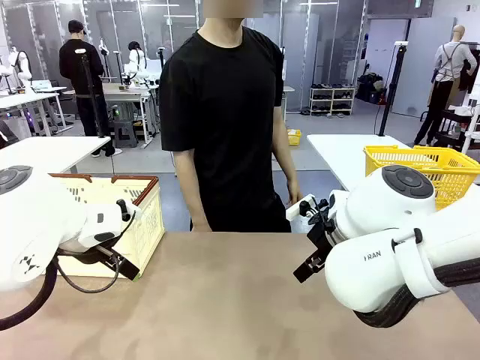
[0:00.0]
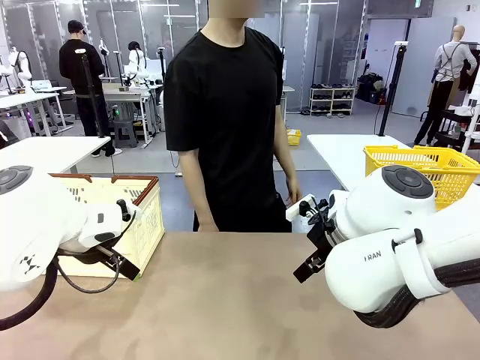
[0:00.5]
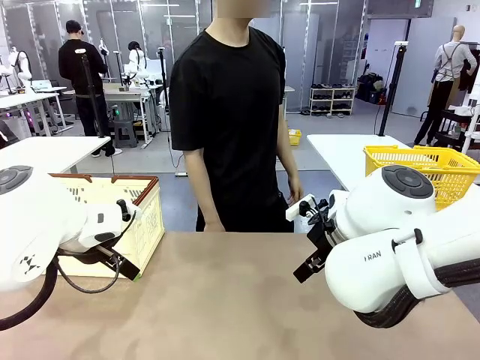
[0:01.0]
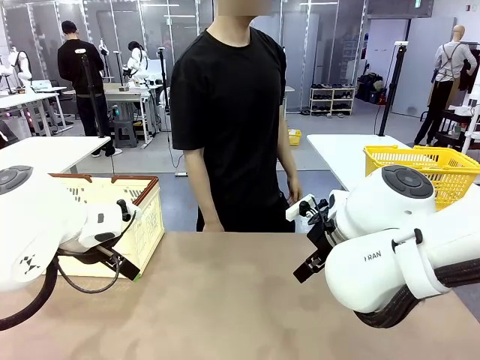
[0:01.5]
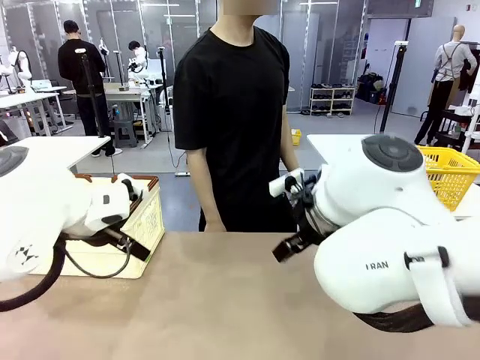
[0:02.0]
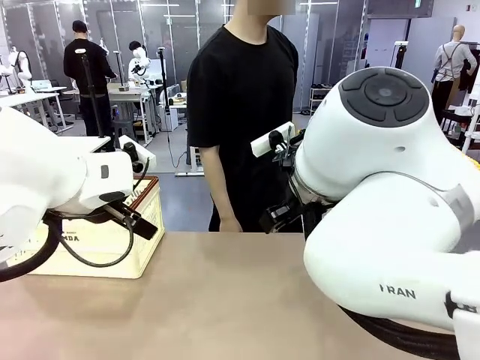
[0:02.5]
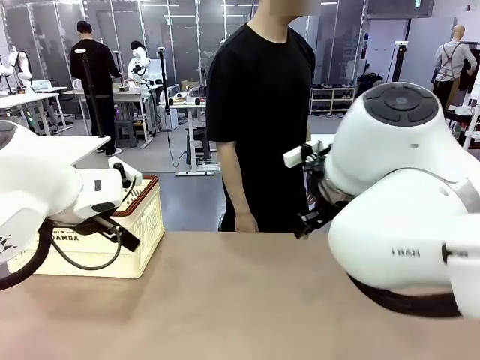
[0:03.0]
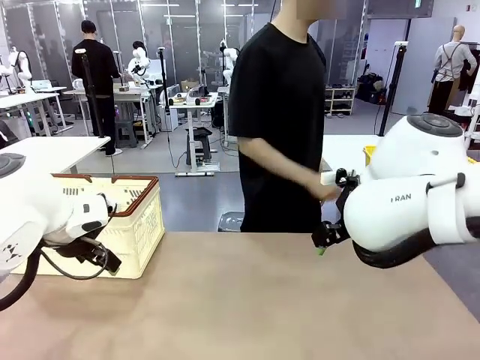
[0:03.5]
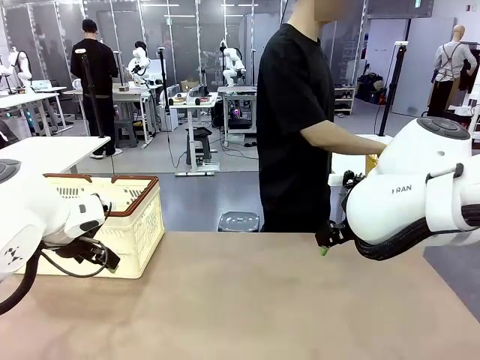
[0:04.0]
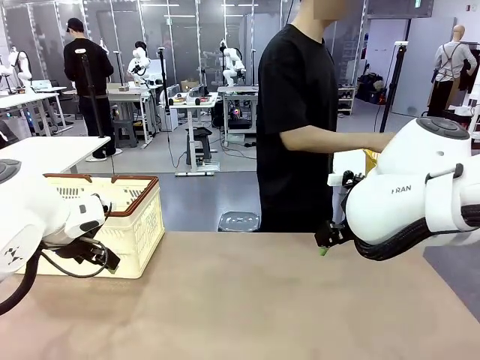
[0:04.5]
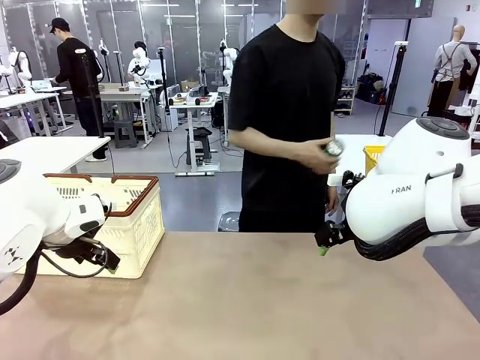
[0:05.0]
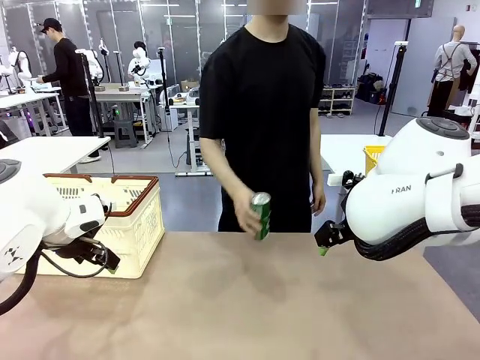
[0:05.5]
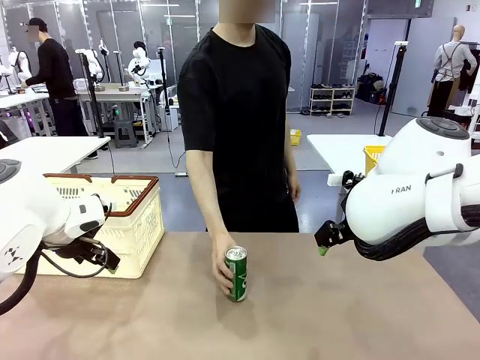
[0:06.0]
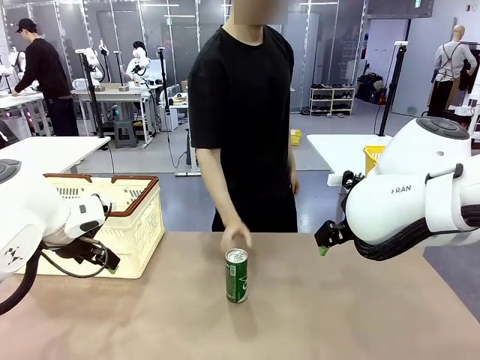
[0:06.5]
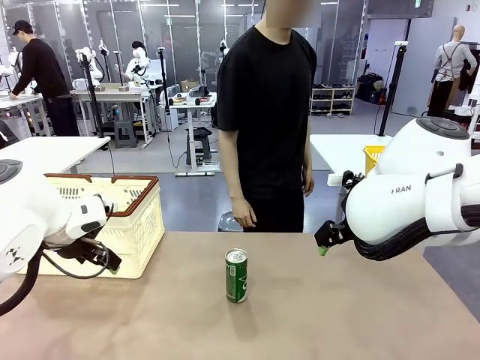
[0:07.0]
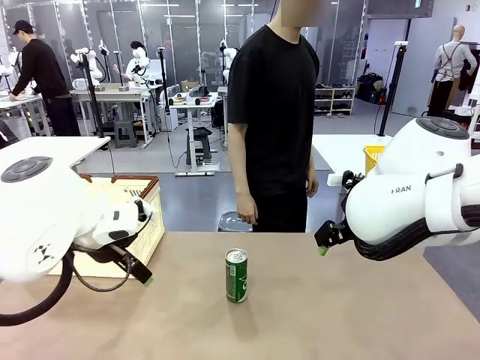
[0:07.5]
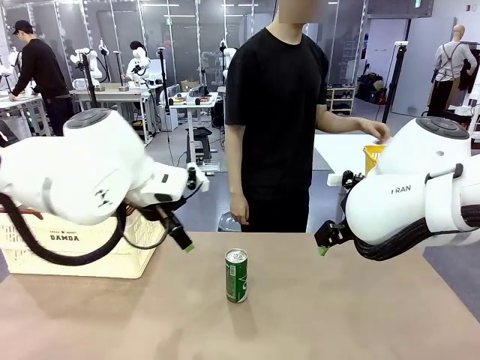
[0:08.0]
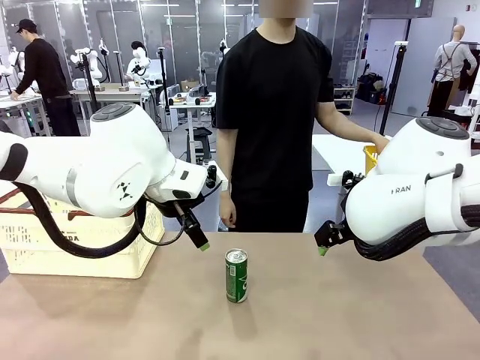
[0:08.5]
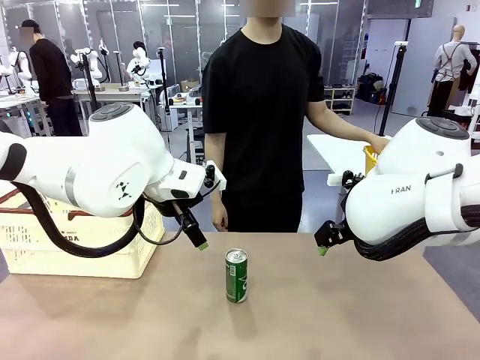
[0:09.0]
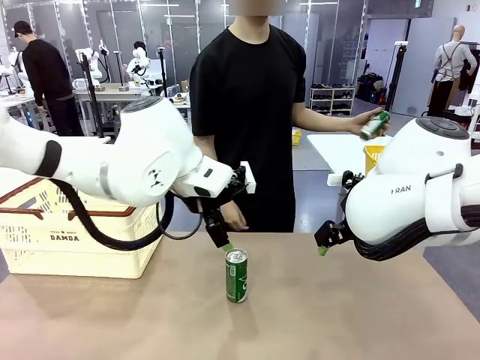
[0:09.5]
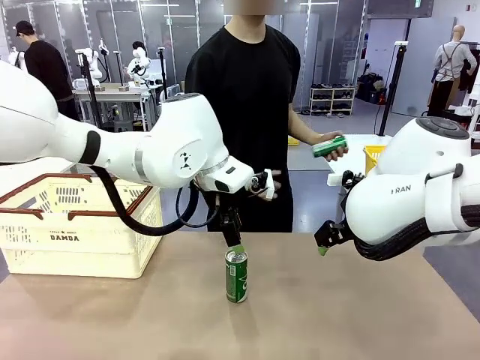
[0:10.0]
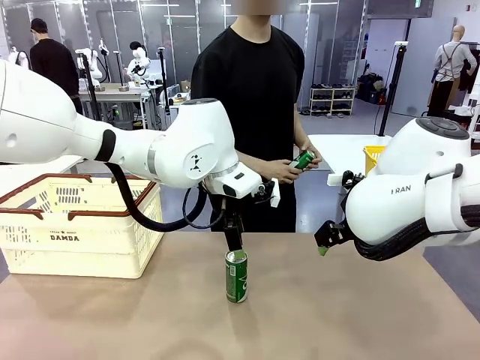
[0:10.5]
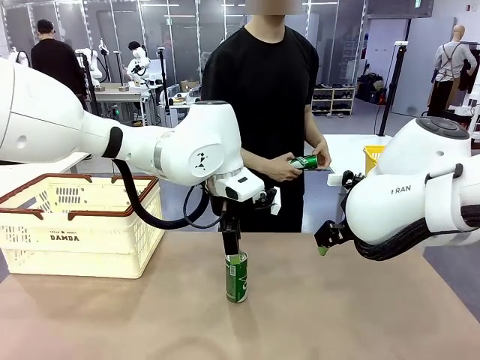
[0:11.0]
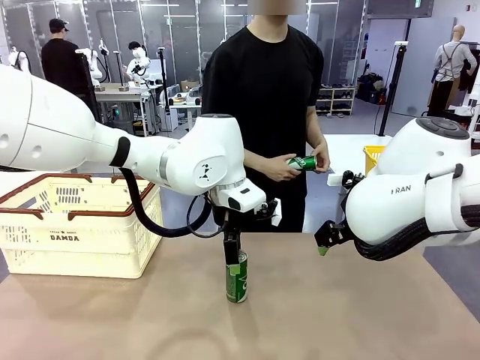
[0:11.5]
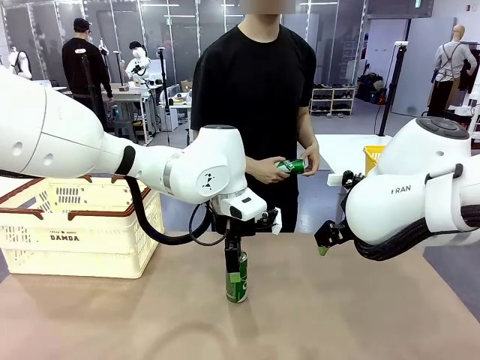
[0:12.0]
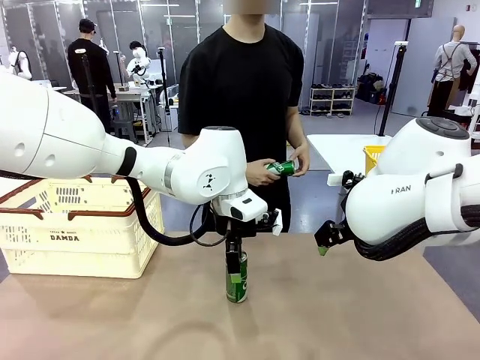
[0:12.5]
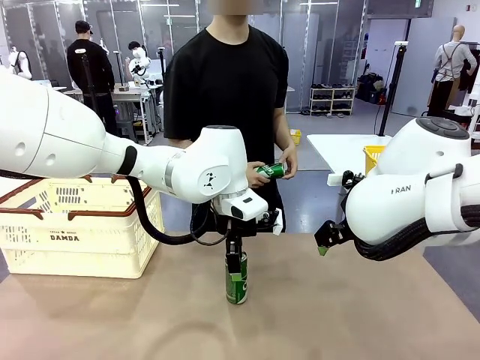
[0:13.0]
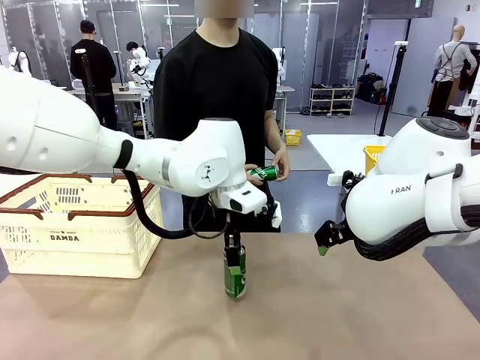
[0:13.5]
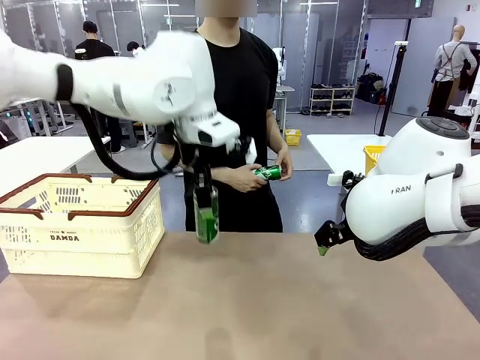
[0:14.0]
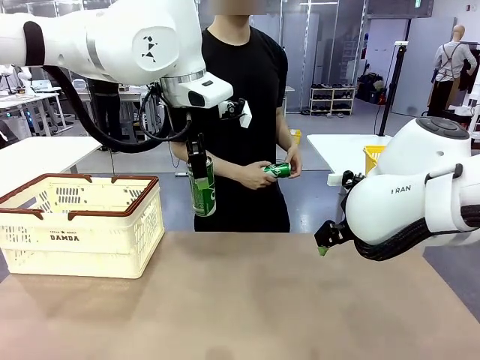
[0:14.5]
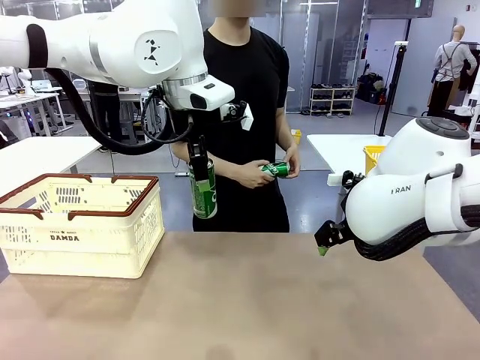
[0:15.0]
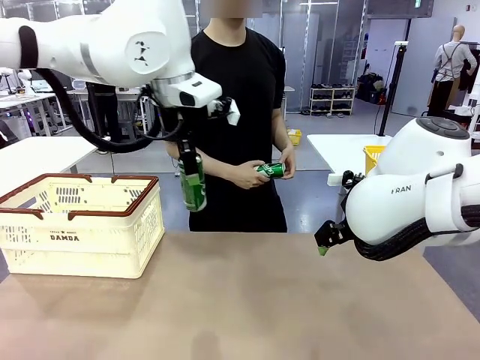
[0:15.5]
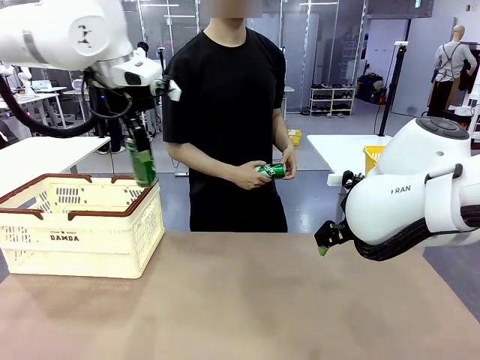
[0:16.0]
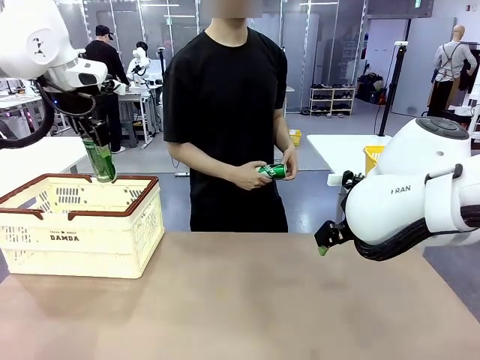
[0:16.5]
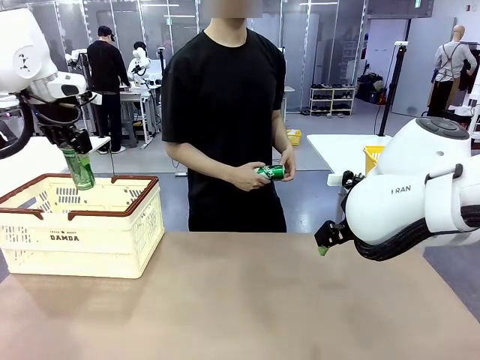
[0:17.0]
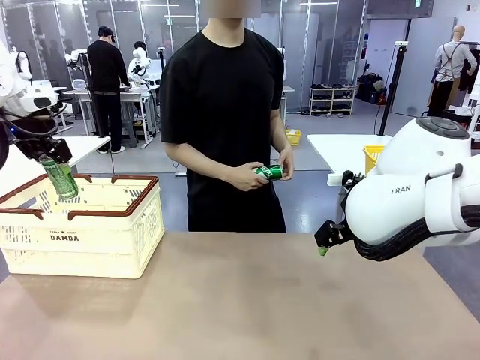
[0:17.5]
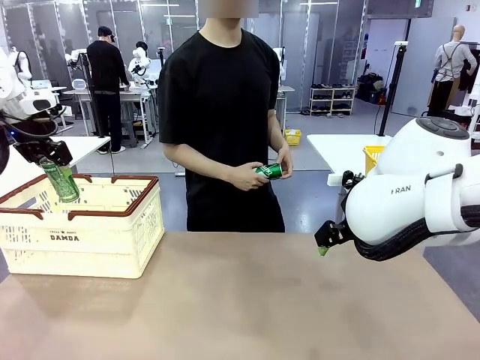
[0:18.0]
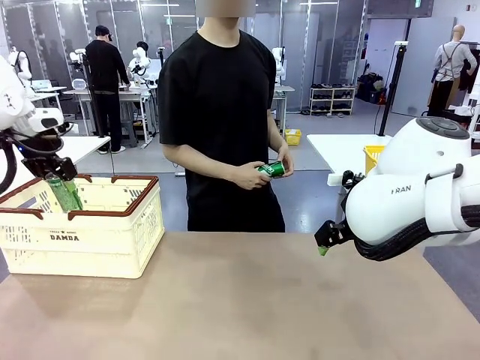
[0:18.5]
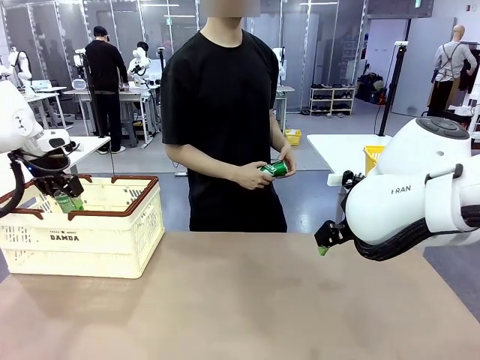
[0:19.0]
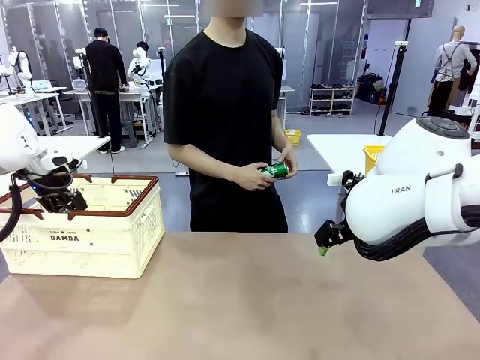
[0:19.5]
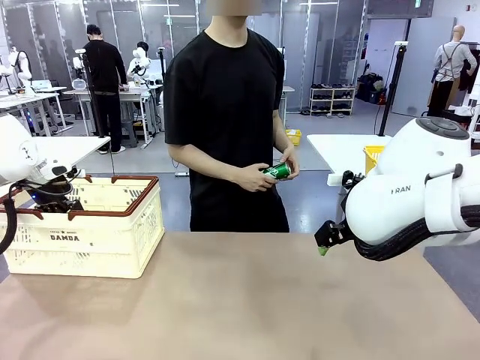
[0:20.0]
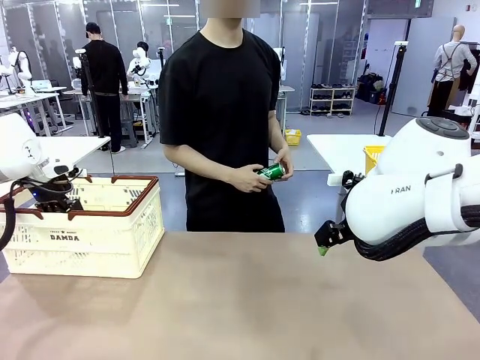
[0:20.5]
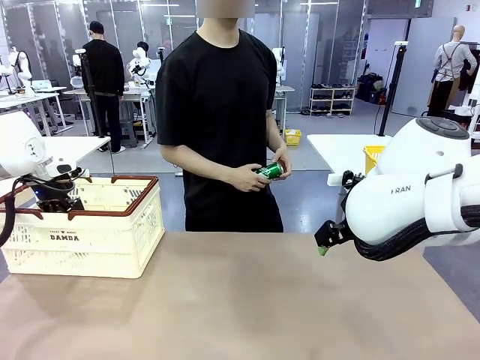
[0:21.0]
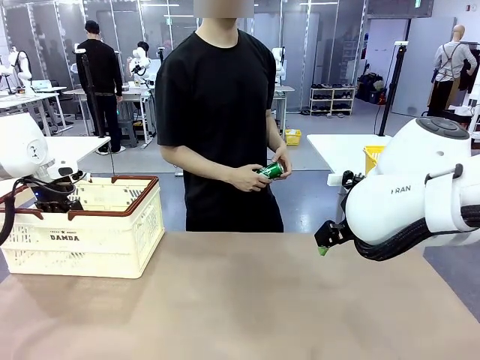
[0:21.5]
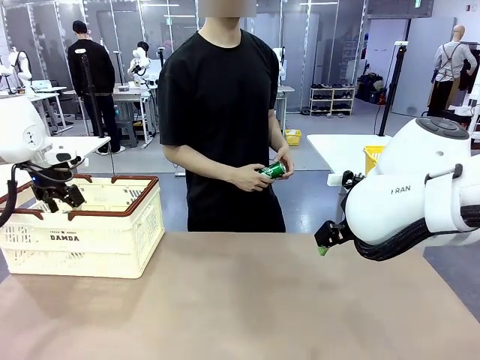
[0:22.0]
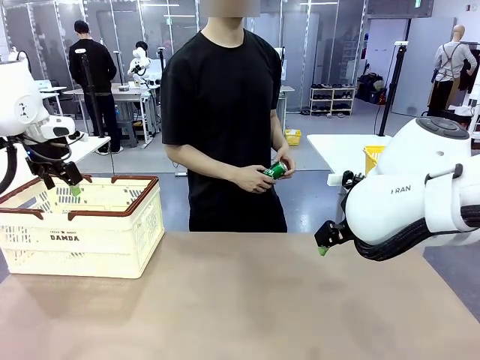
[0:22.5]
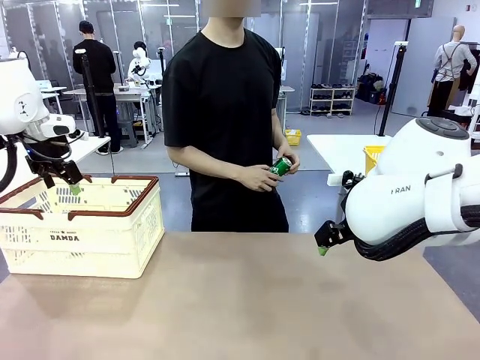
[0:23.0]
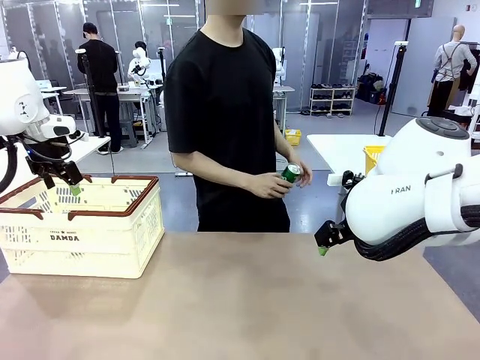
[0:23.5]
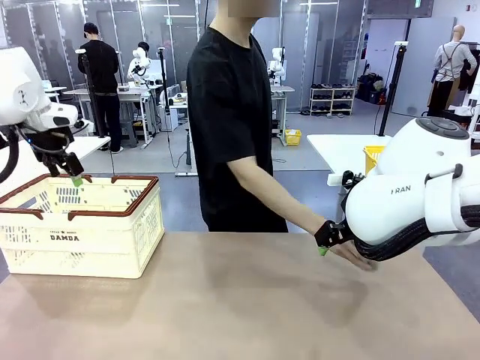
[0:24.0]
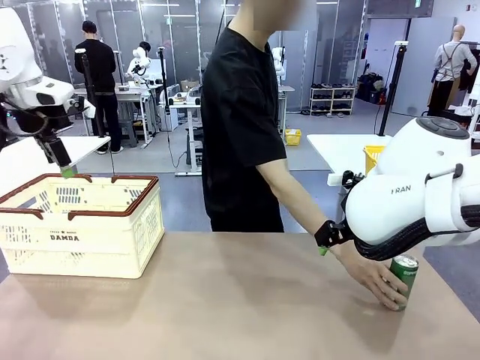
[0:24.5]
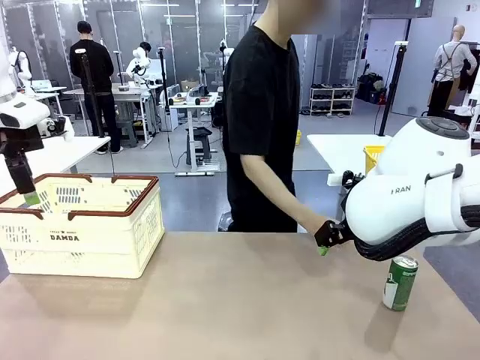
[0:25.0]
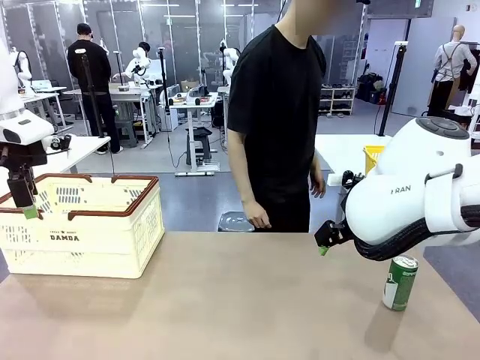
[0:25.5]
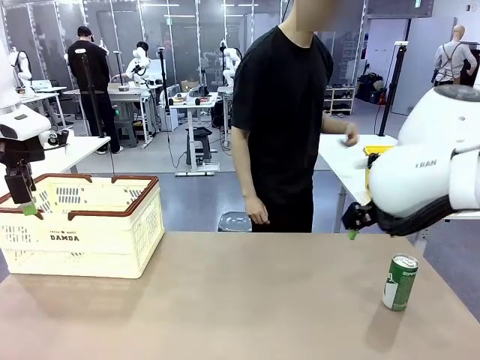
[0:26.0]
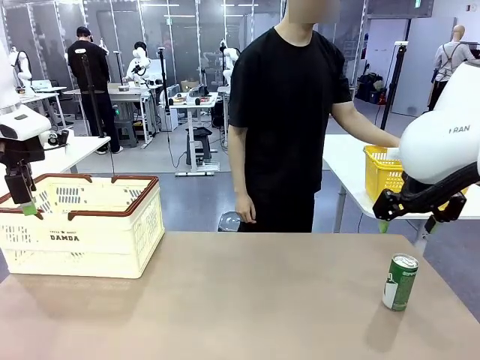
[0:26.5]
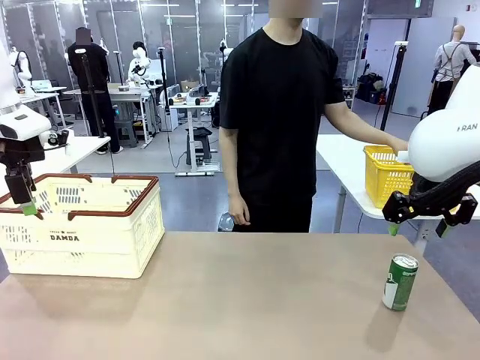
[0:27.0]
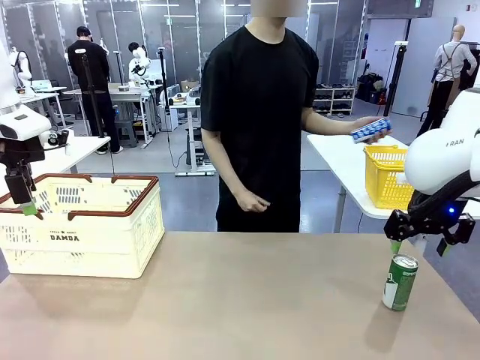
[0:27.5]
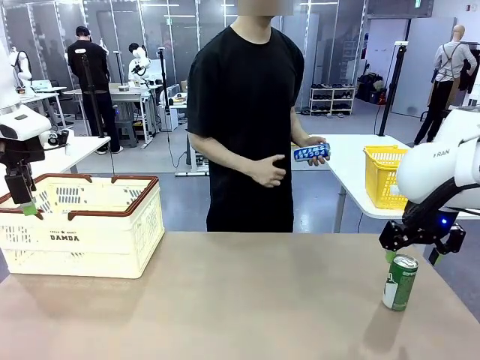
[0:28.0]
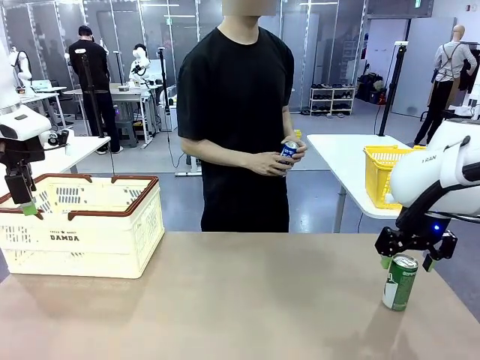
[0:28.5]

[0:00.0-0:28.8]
Task: Place the drinks into the Shopping basket.
Robot: Pick up one drink and place it into the Shopping basket.
